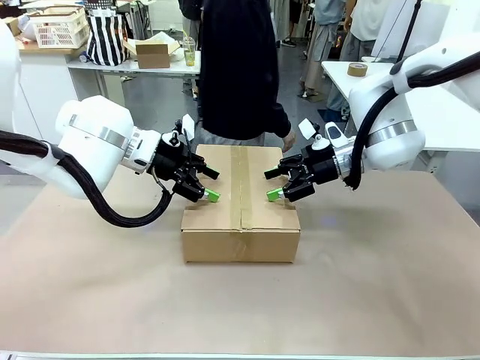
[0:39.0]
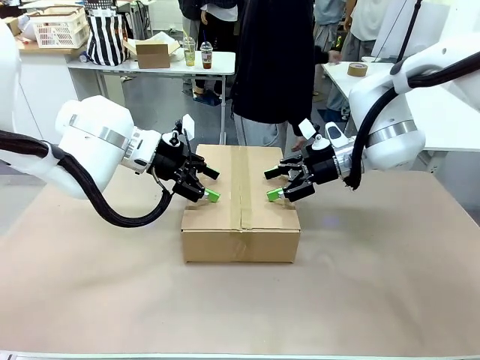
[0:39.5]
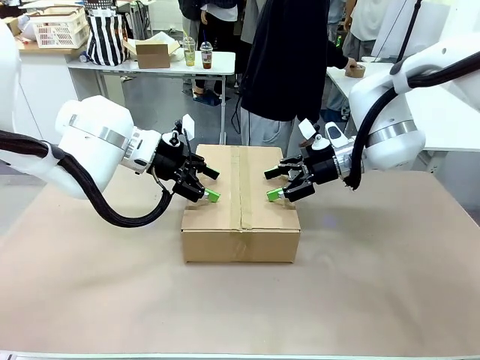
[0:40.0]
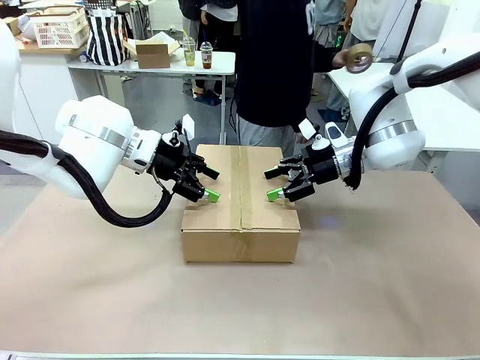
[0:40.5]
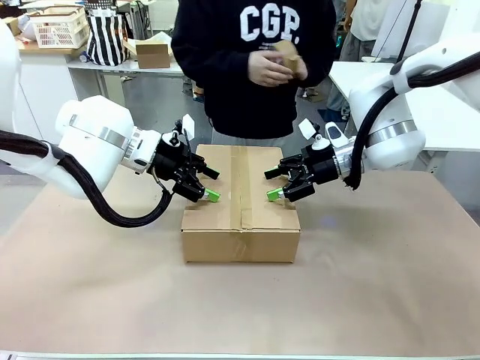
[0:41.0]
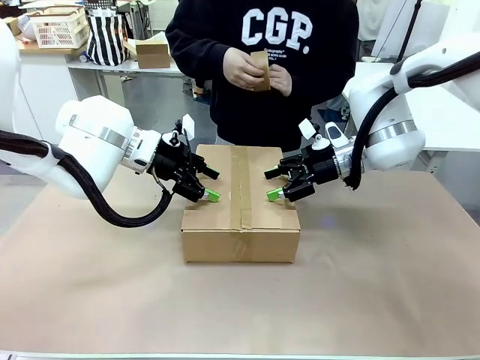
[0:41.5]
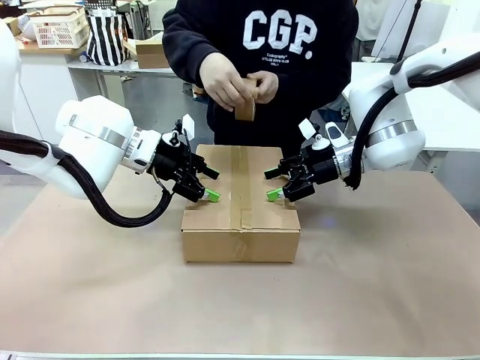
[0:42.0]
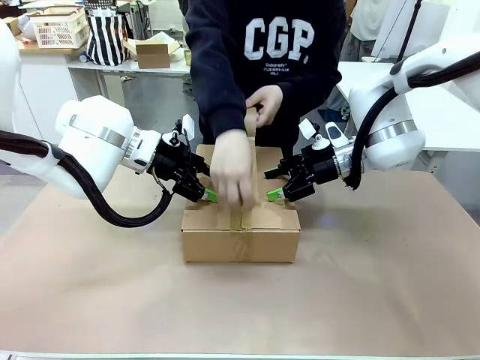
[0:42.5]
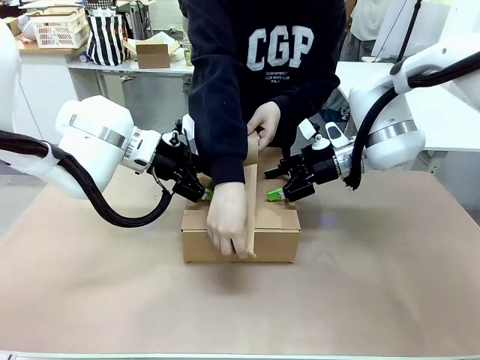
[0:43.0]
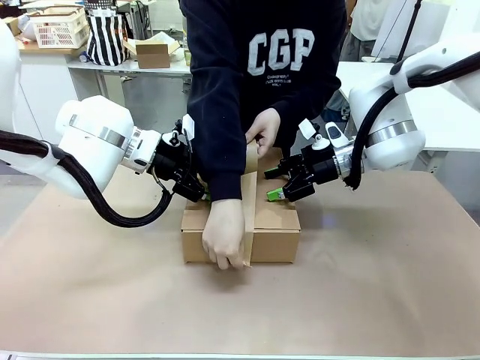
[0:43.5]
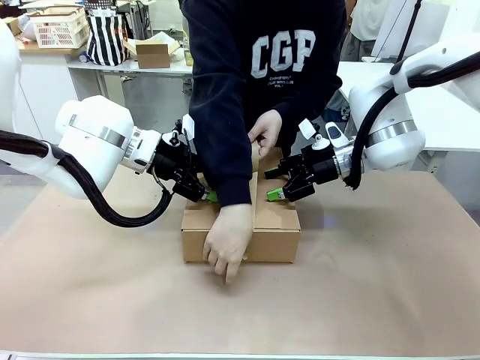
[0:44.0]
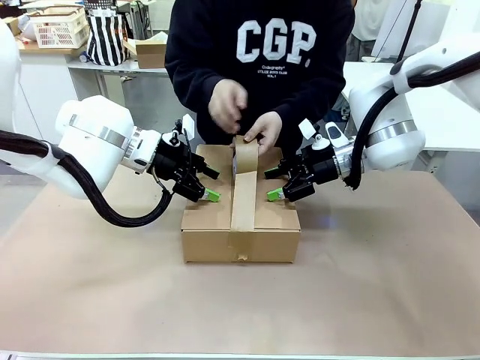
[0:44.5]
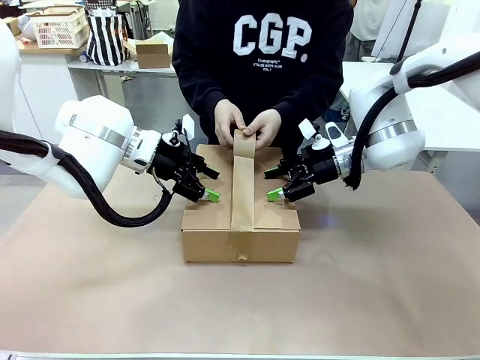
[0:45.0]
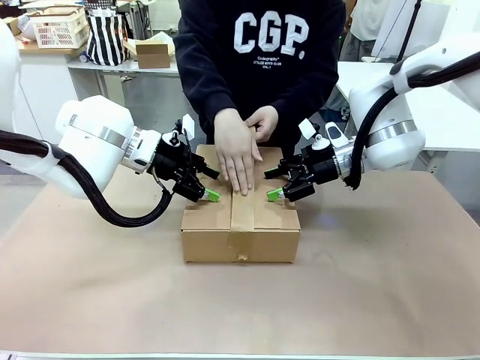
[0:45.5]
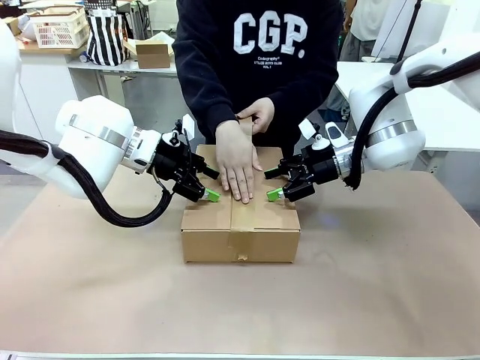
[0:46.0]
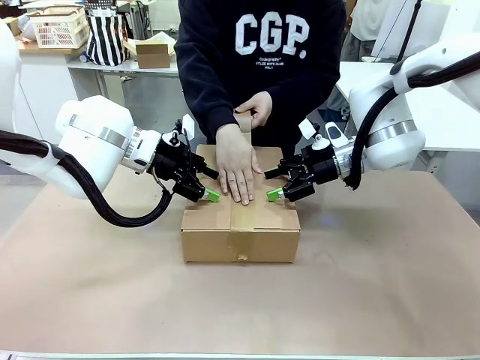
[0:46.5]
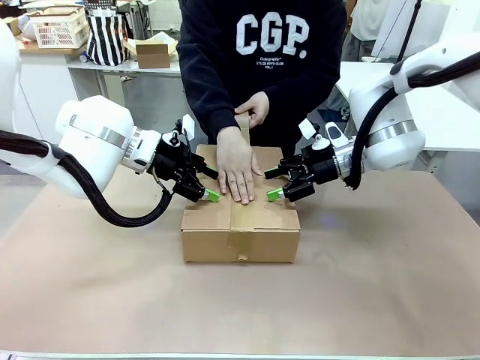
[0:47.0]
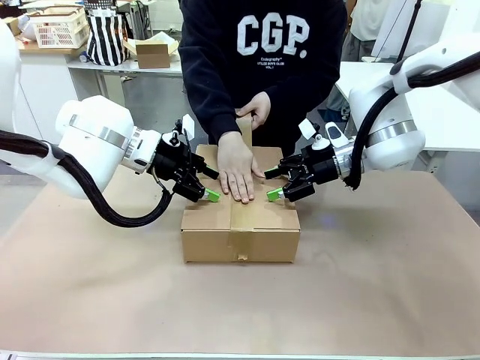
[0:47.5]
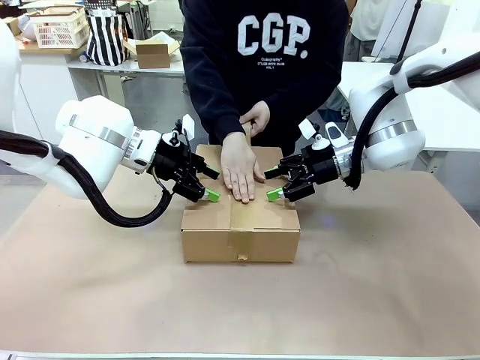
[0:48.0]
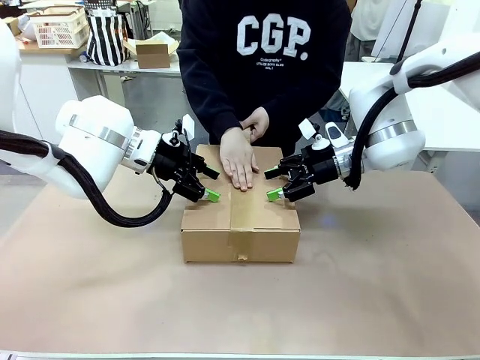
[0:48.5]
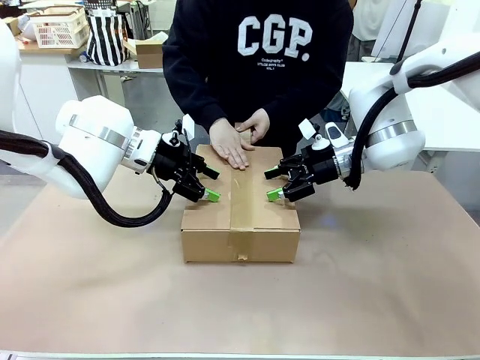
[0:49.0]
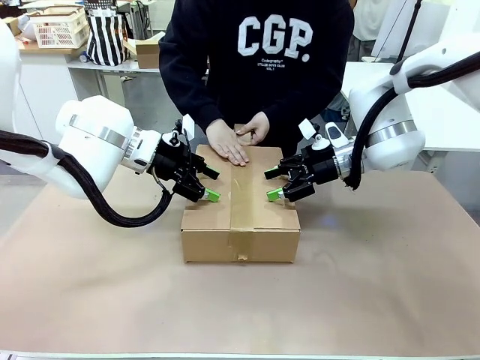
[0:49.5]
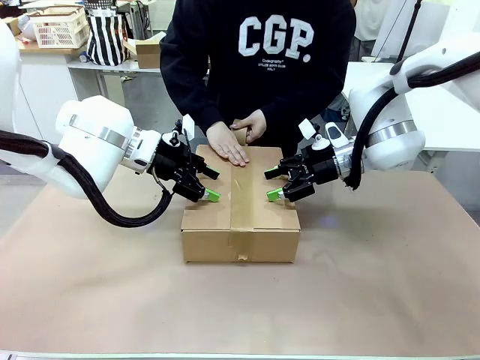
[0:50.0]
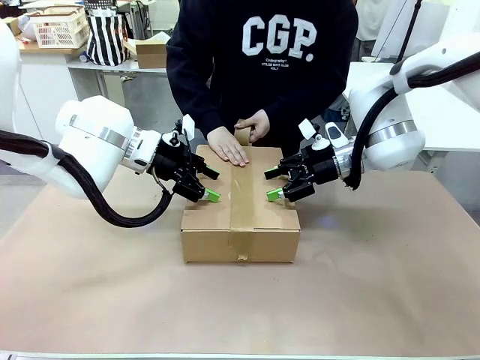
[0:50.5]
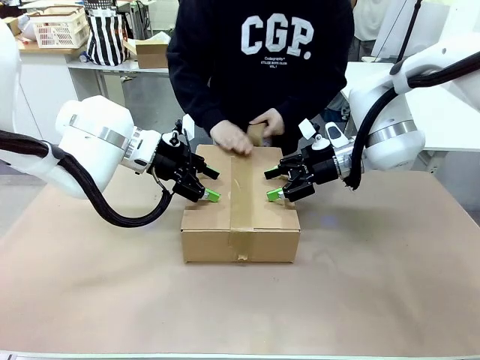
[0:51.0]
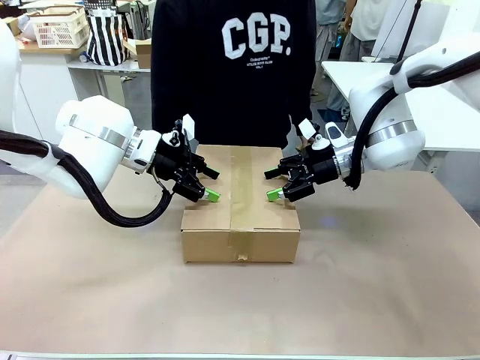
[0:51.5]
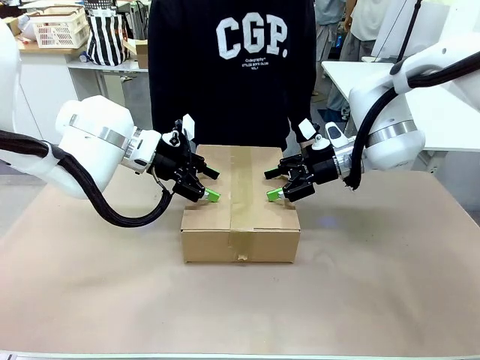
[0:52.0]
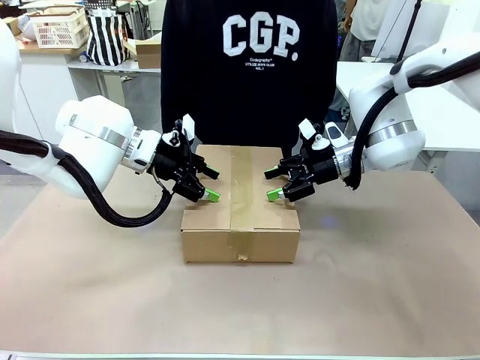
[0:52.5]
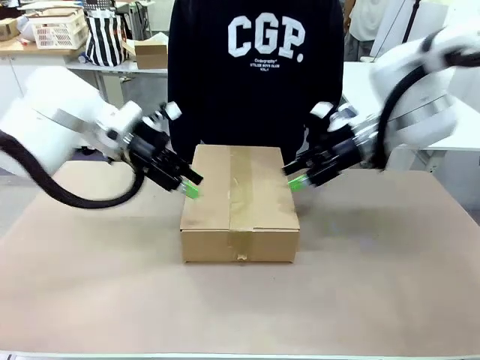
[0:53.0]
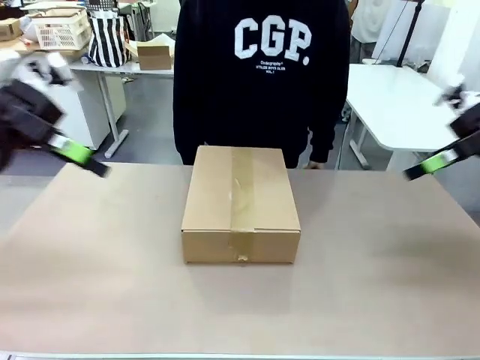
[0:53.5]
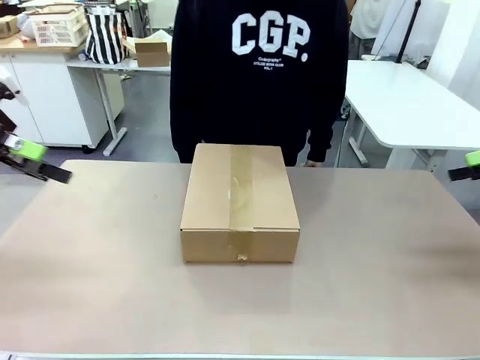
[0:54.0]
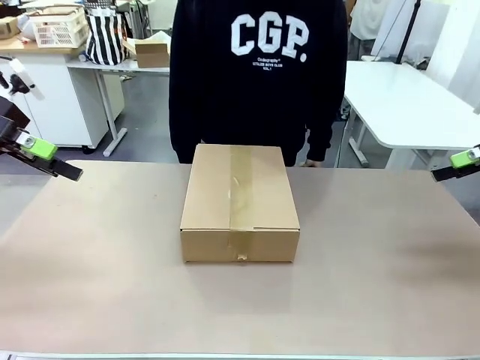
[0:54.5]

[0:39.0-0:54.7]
Task: Pack the gift set into the box.
Robot: Press and hold the closed box until the human finishes sealing it.
Person: The human picks up the paper tape from the human table and packs the box.
